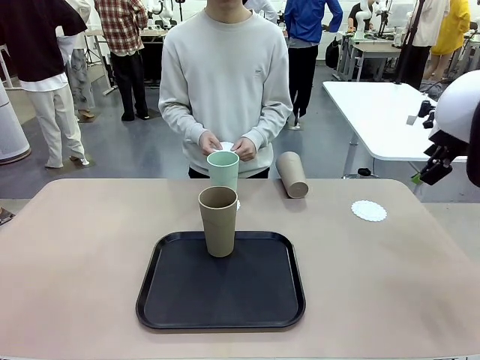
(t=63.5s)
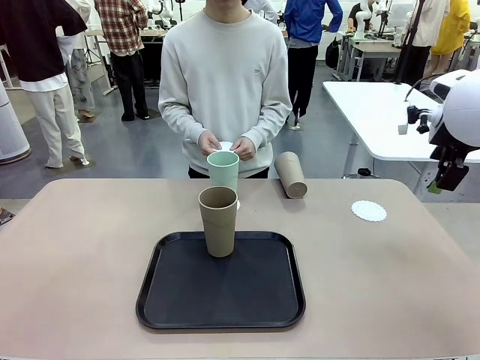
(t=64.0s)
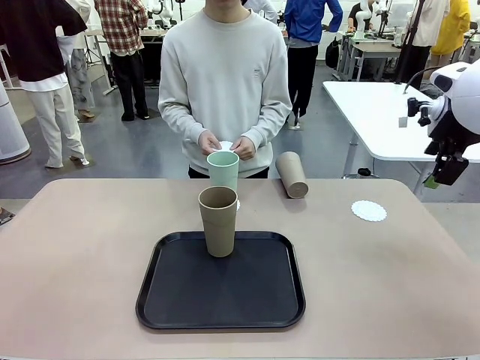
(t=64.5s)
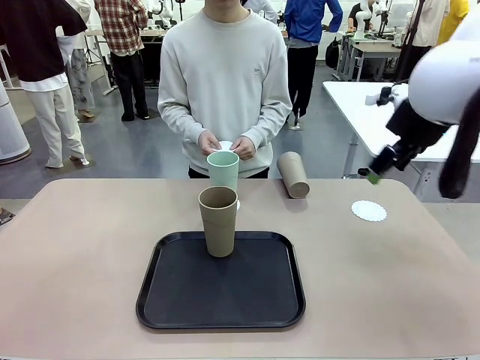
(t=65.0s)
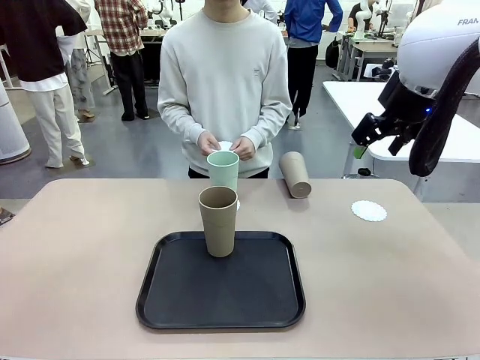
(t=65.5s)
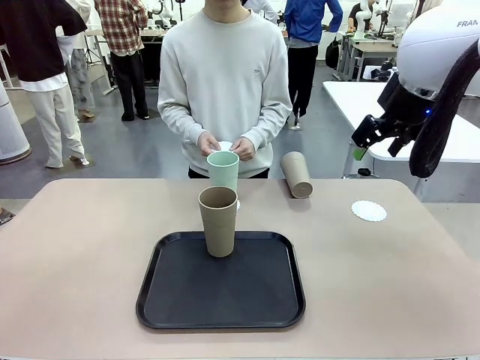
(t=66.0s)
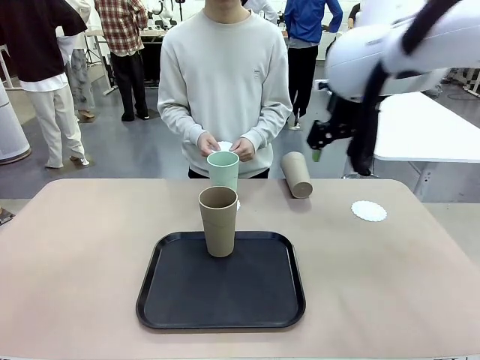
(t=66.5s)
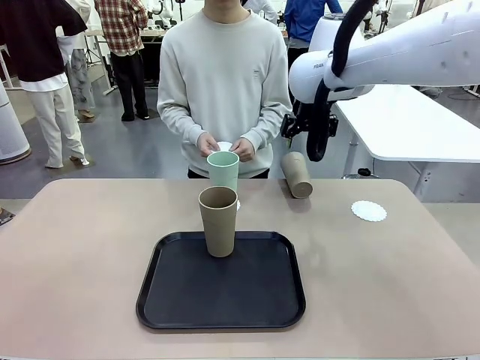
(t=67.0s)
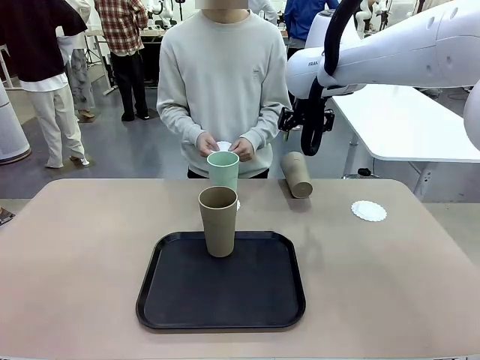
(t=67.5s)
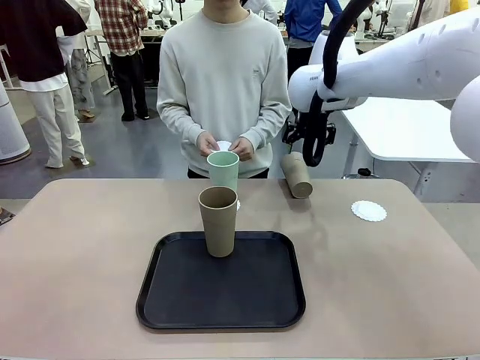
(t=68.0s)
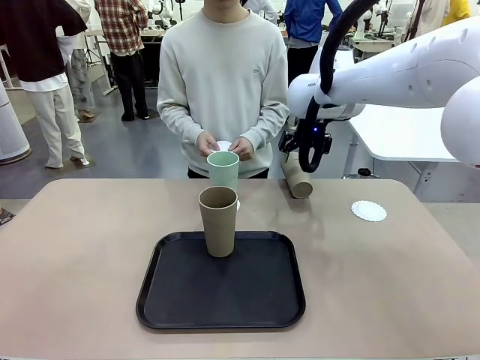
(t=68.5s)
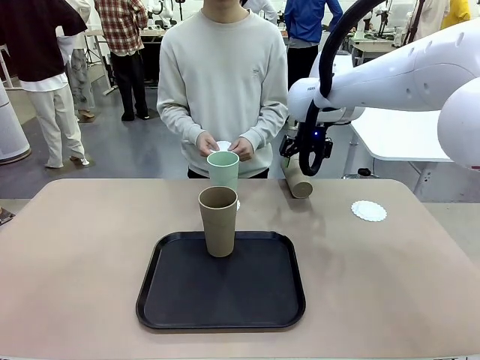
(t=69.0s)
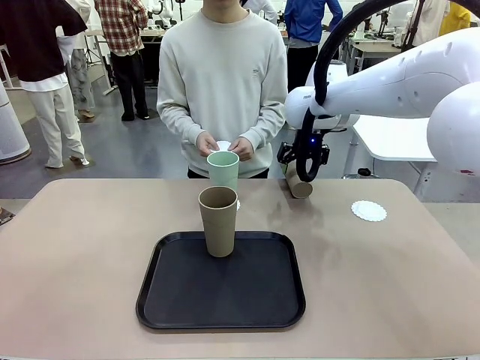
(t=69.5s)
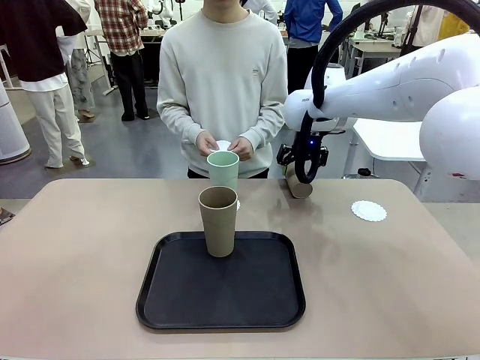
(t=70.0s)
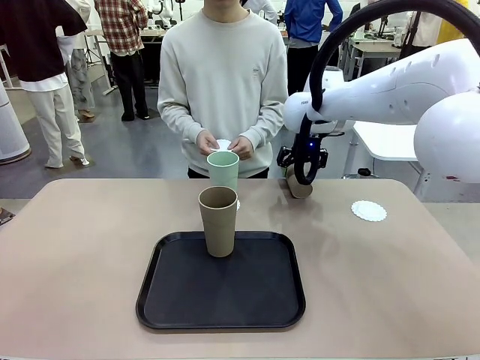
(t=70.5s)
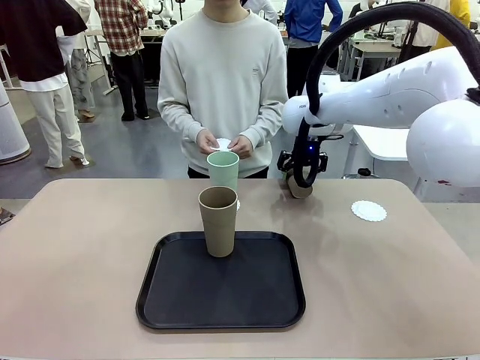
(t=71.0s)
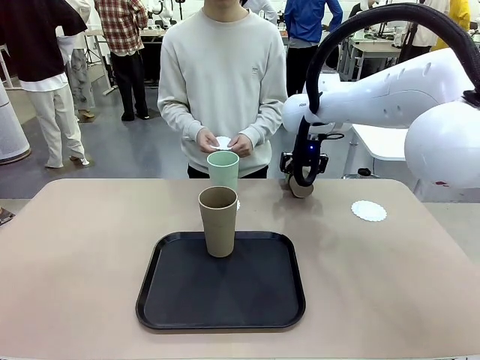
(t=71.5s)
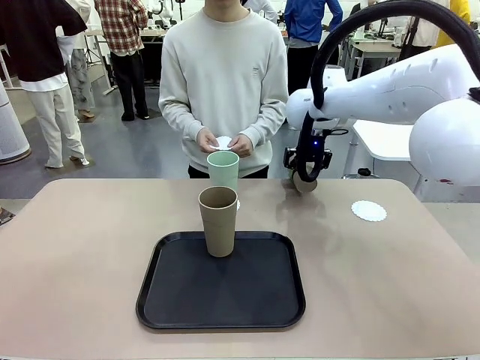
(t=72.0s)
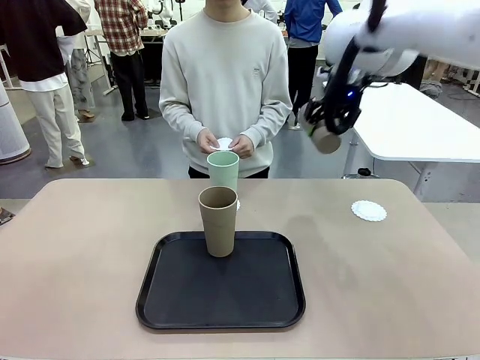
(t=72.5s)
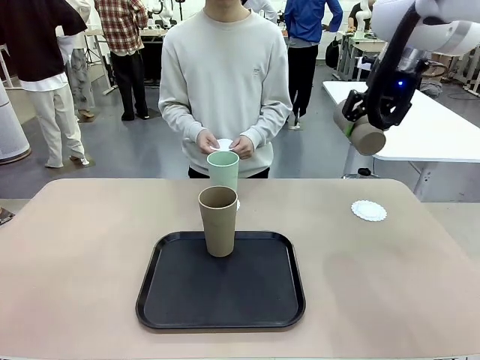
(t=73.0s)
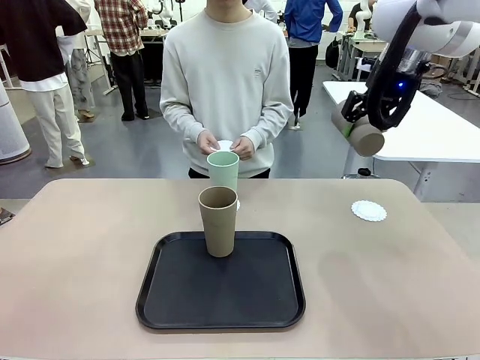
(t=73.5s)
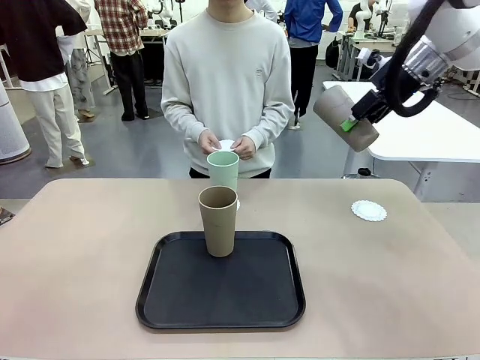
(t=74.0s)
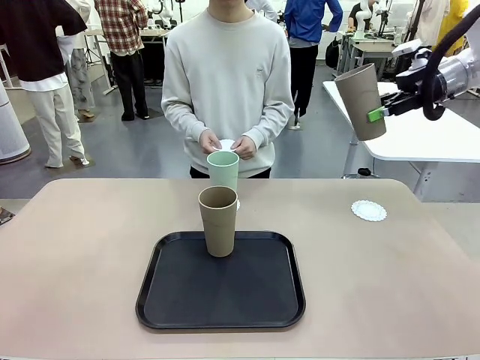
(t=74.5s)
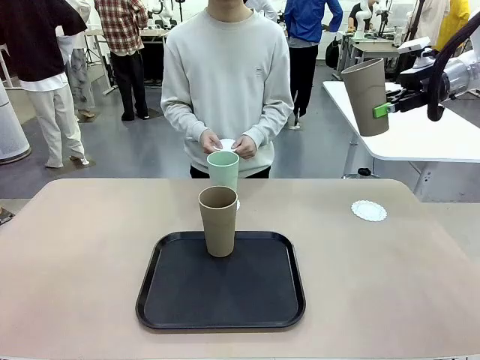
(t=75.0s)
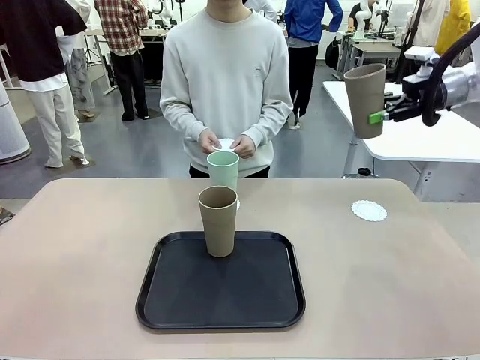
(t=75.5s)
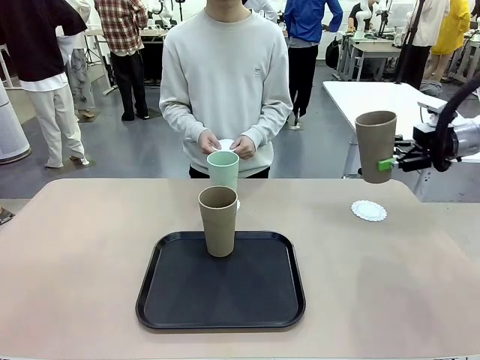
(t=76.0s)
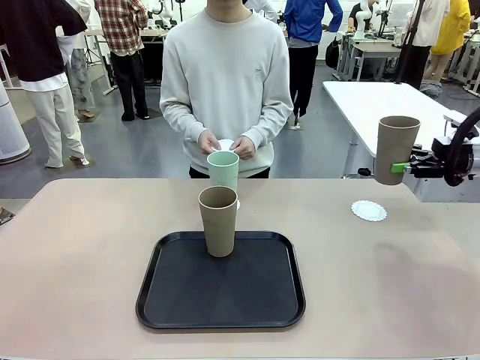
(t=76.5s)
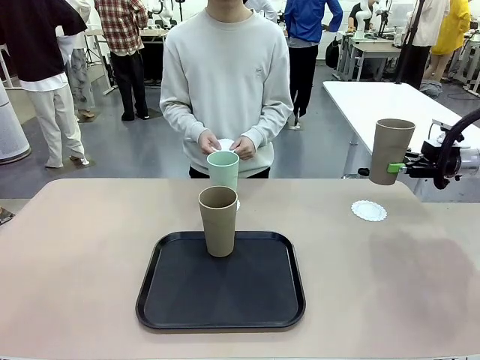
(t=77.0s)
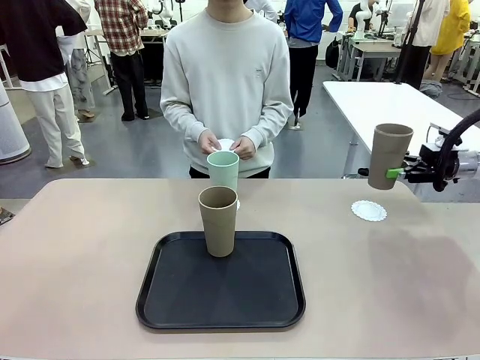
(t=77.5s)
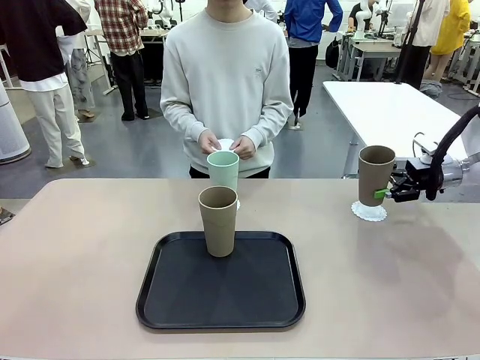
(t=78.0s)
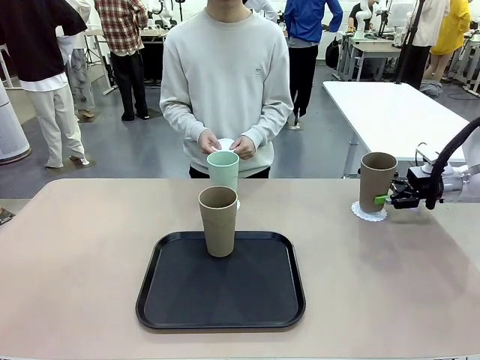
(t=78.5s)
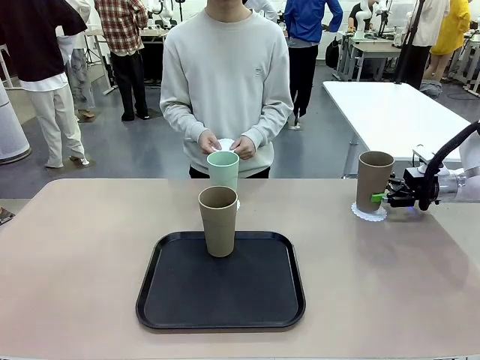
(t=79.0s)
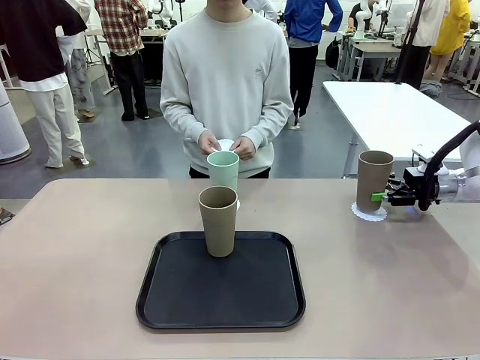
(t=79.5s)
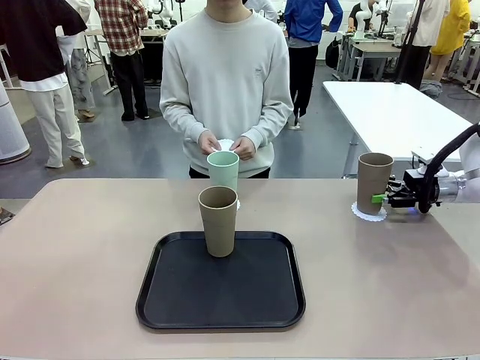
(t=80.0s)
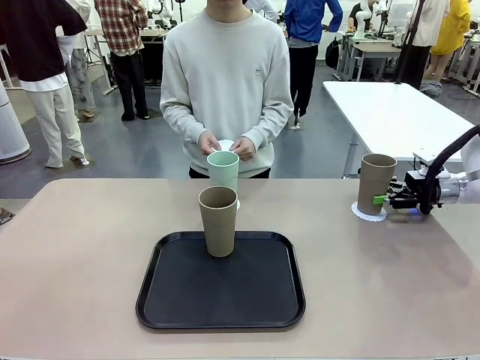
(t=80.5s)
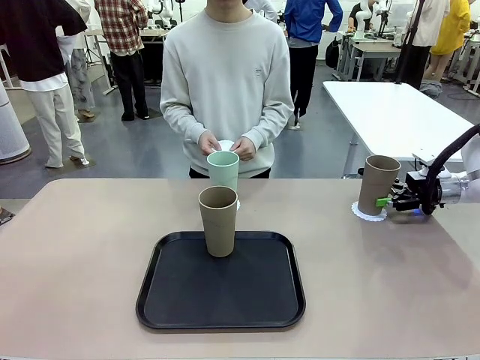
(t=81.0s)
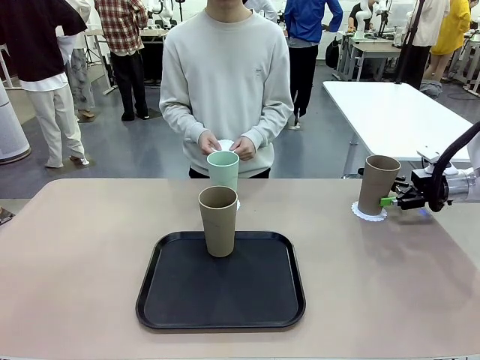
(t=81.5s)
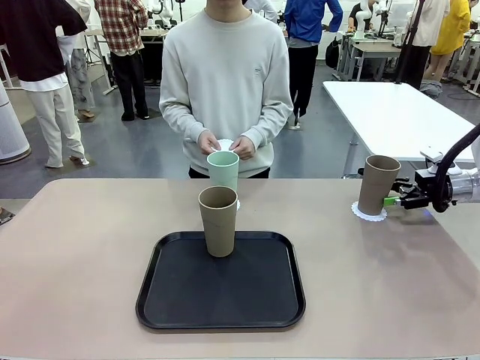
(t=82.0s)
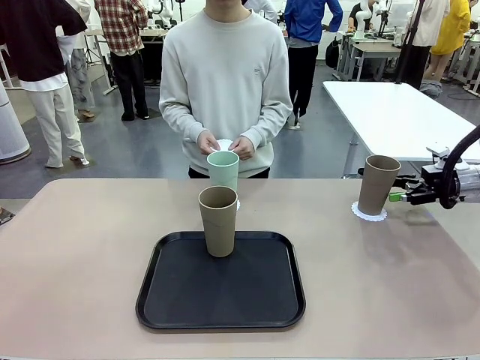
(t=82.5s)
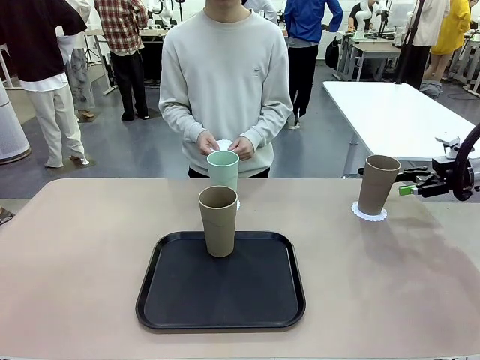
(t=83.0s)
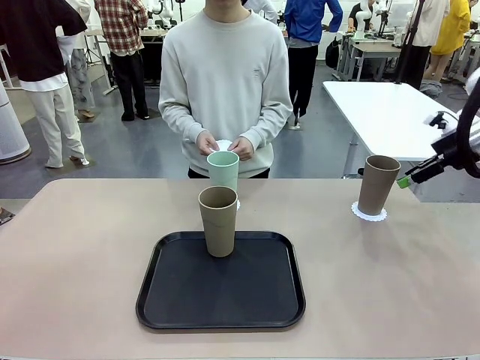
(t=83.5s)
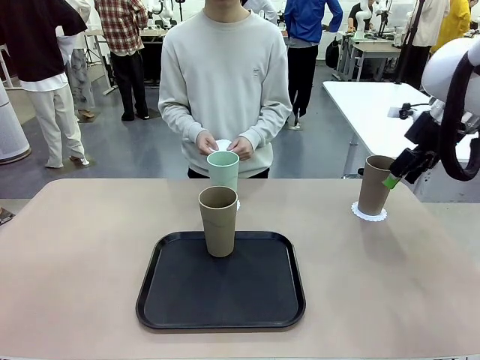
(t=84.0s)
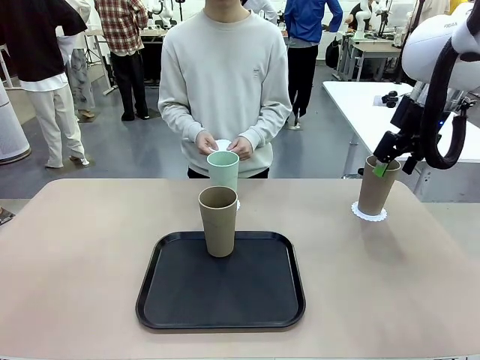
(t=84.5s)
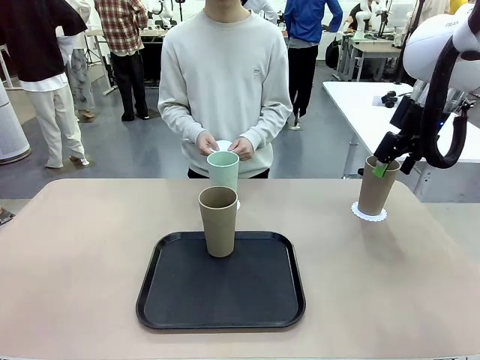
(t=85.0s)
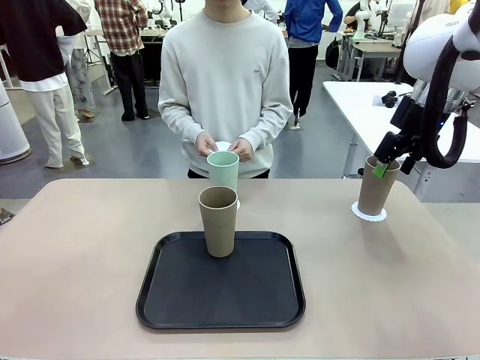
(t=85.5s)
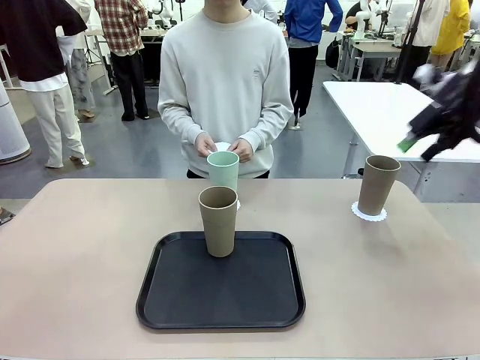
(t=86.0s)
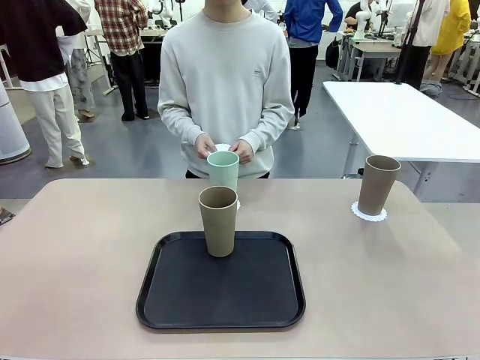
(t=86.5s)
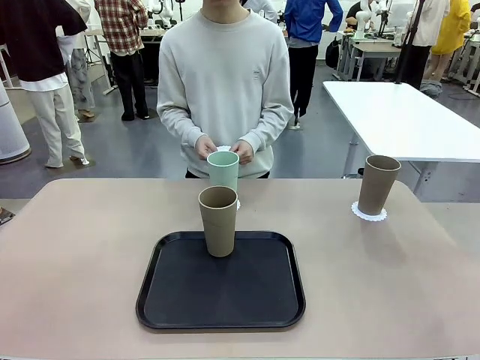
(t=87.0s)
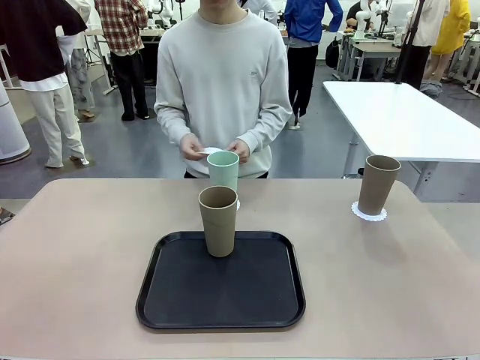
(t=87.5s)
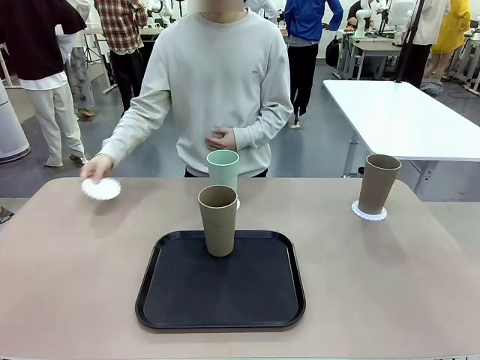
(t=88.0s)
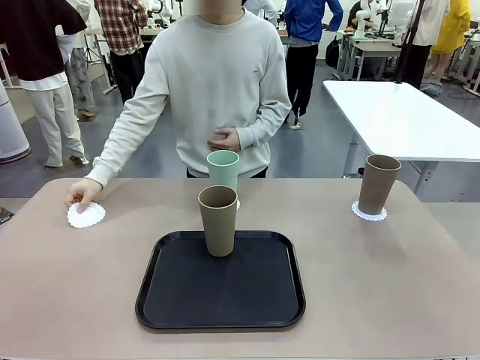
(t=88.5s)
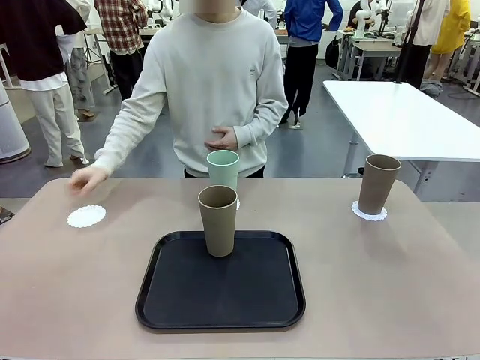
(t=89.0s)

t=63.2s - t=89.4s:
Task: Place coasters on the table and set cups on them.
Robot: Take one Reusable plastic cup from the Flat Tray and place it on a coaster set by the human.
